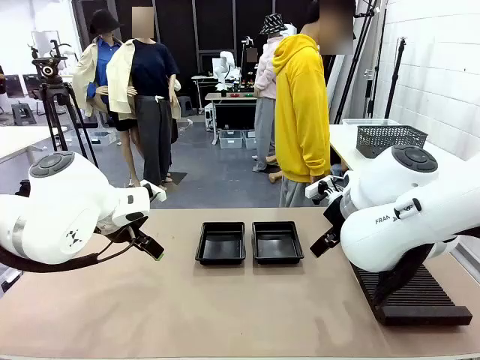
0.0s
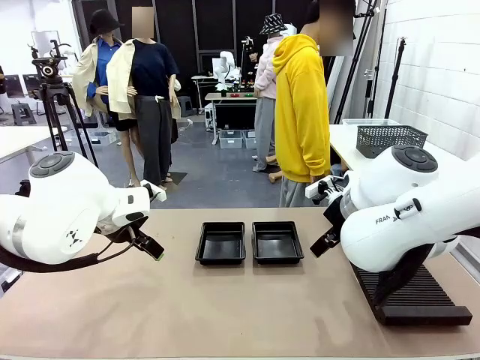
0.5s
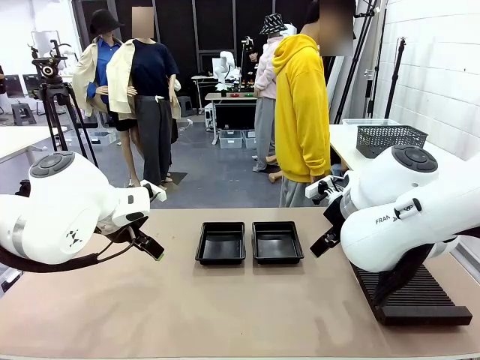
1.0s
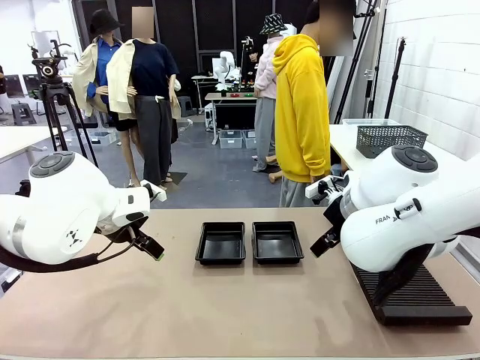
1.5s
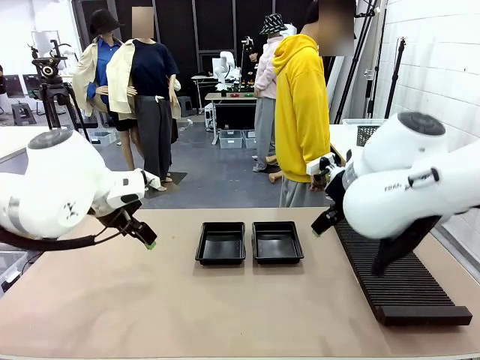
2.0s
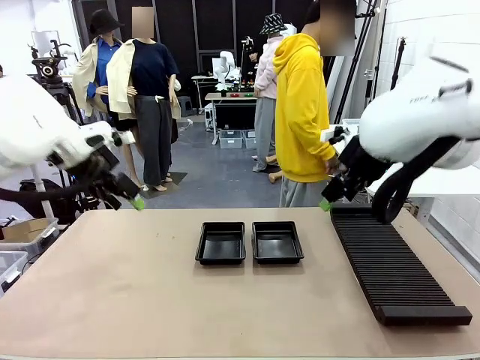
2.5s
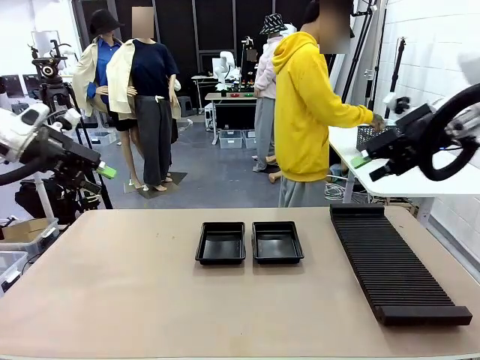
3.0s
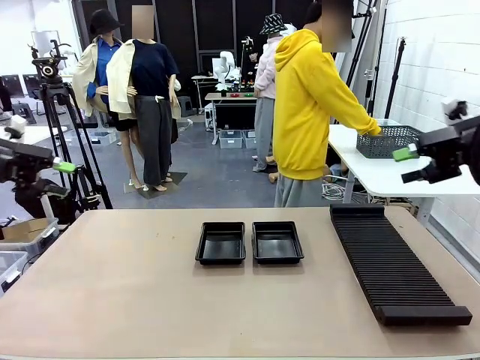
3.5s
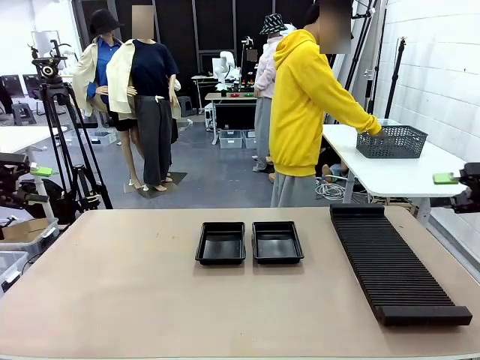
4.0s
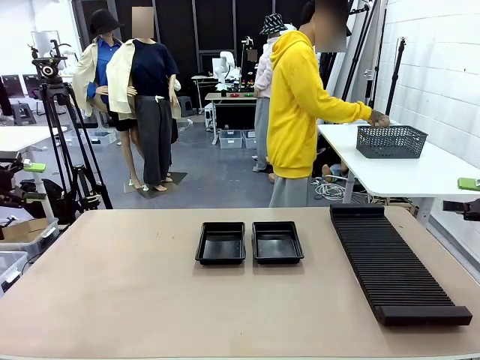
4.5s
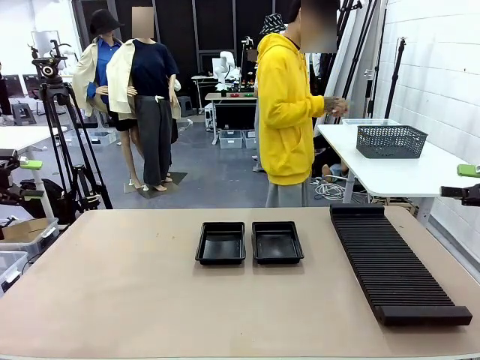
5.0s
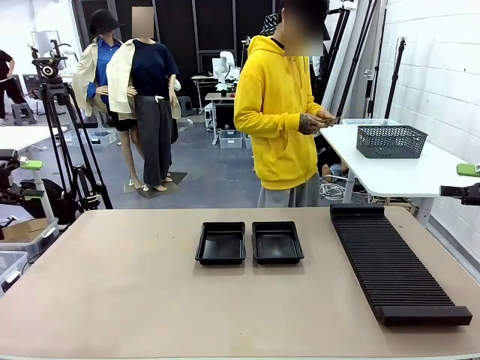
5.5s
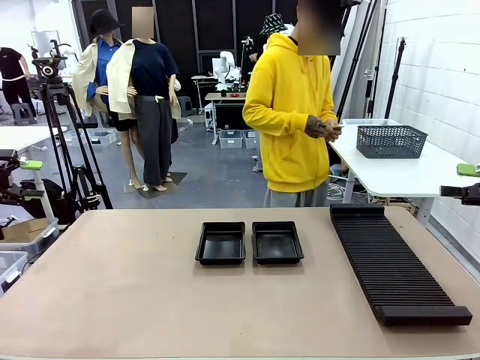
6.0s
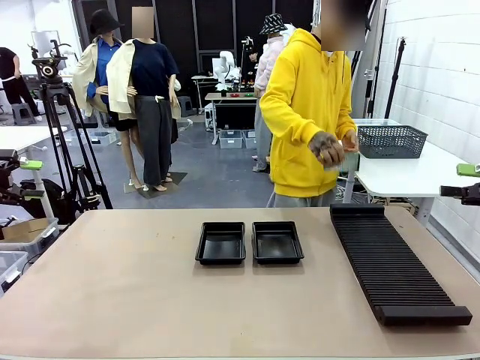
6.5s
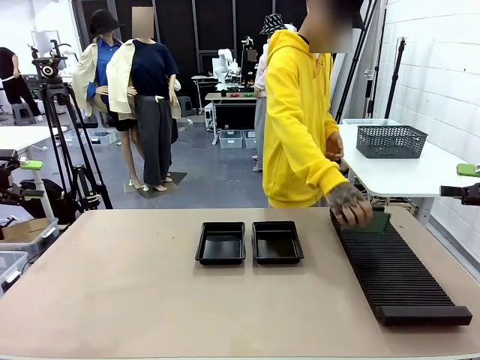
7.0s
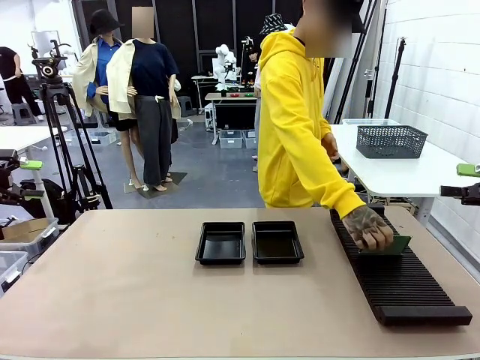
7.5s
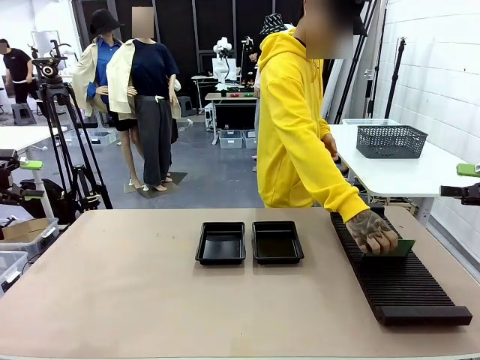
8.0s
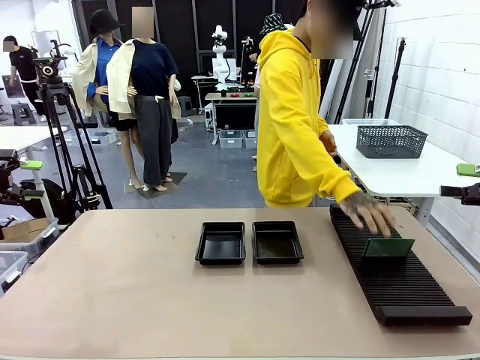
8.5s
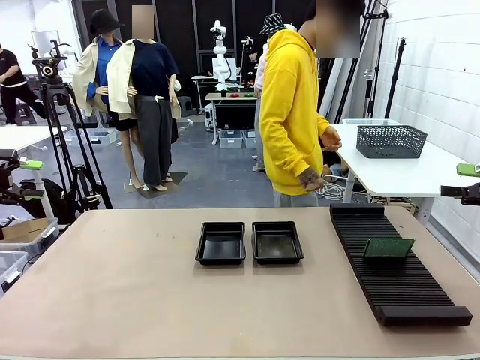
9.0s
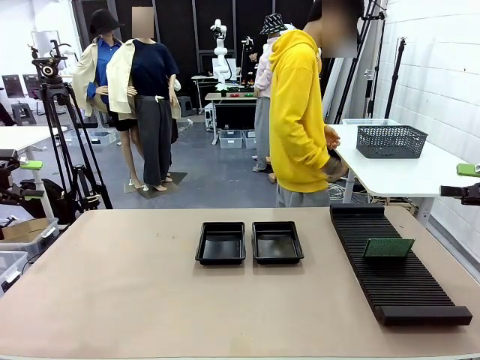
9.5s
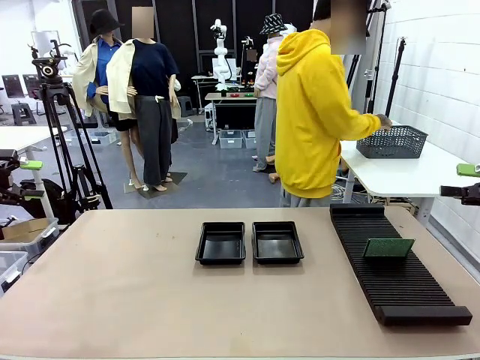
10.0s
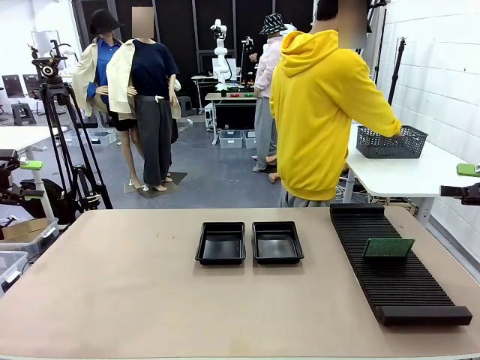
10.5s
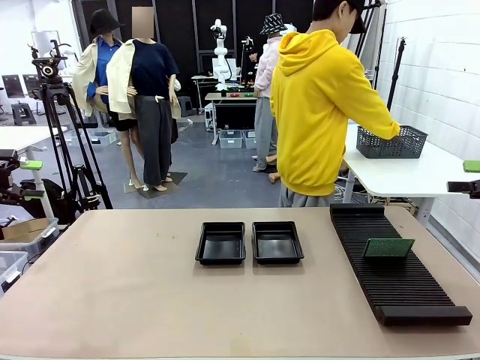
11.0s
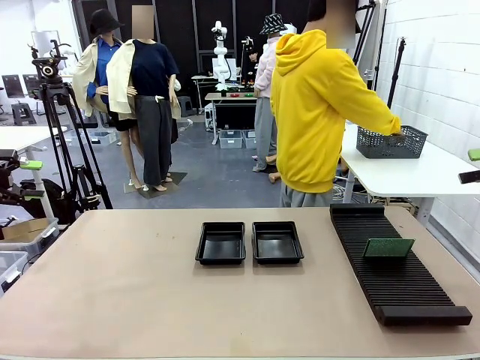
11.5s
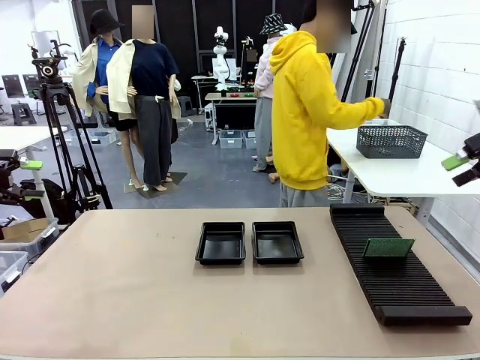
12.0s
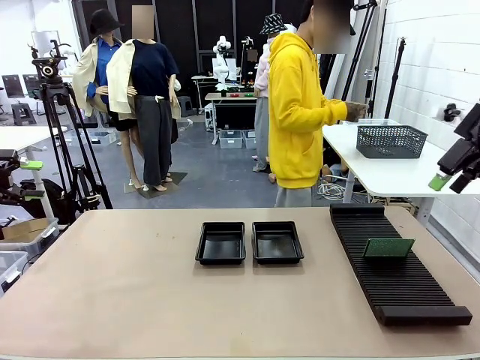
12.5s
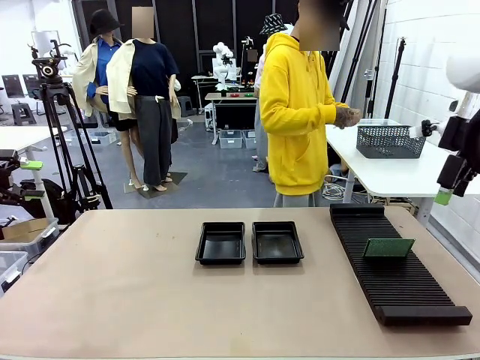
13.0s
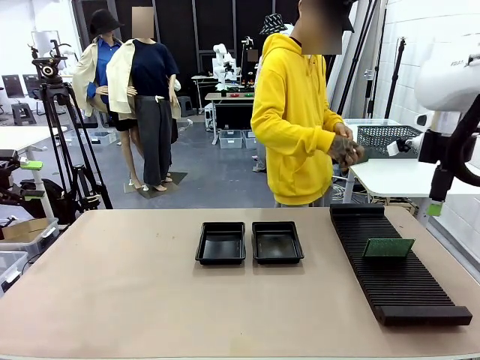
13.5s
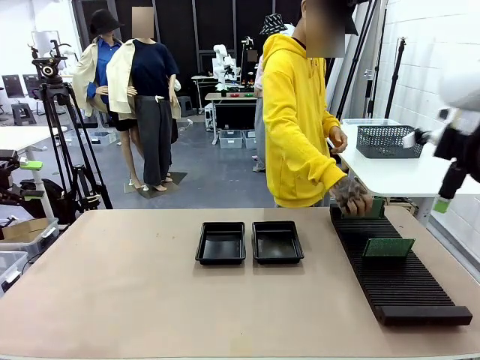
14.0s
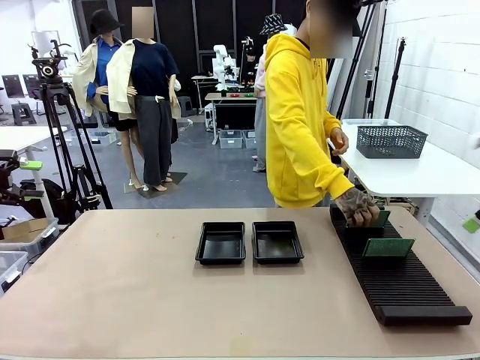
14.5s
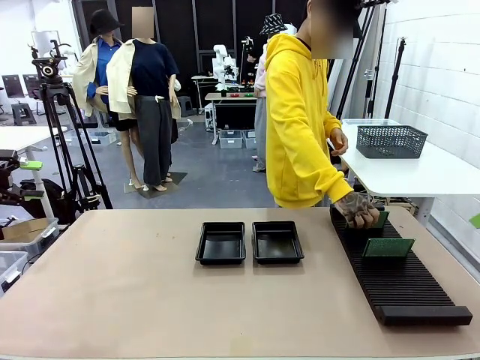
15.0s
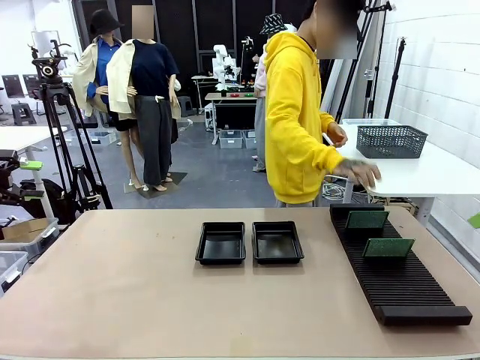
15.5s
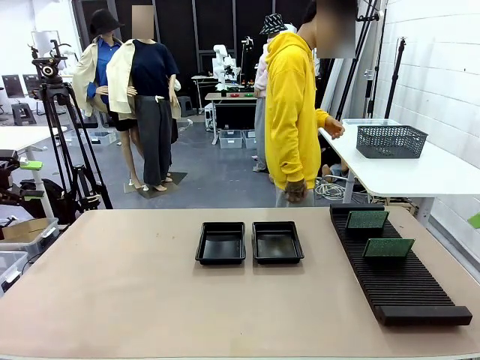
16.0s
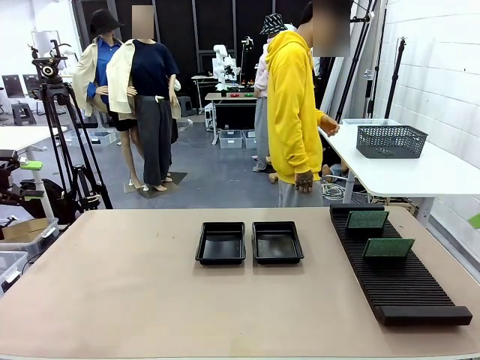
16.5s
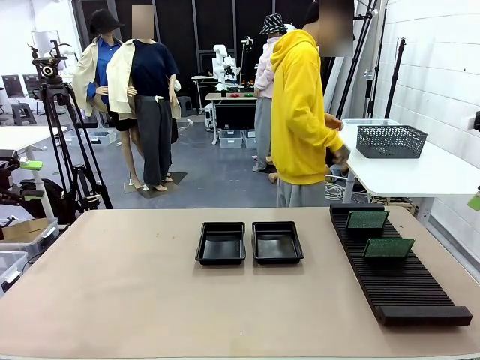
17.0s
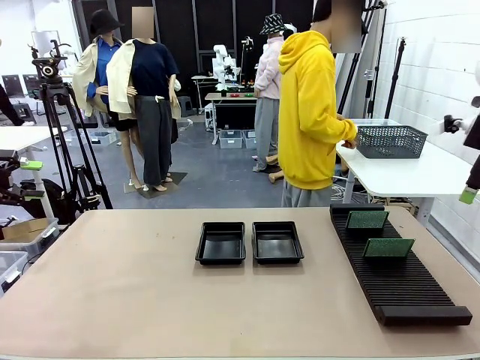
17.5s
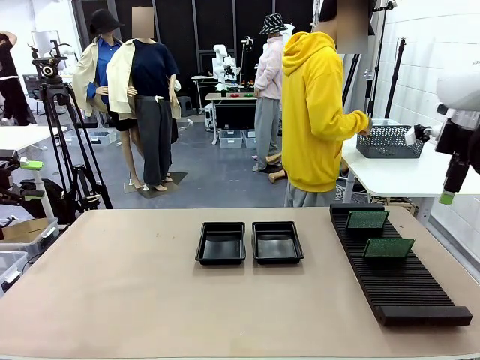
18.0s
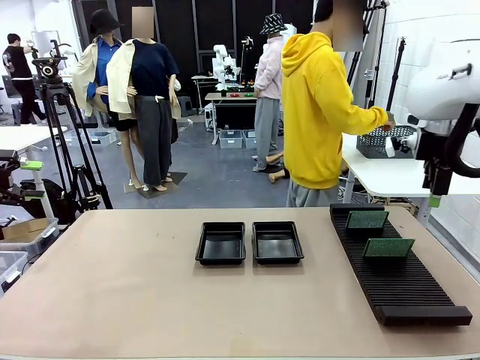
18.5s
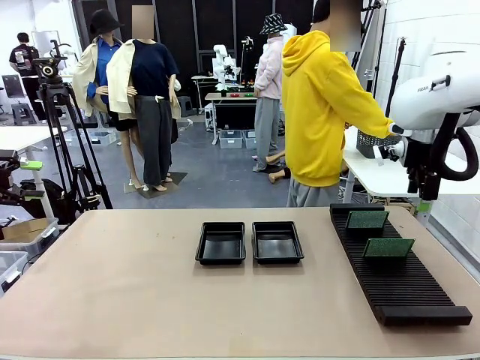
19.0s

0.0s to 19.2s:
Task: Inspect and transfer BCBs to ESD trays.
Robot: Pick up the Blank PCB from the PCB Rack and place it in the left ESD tray.

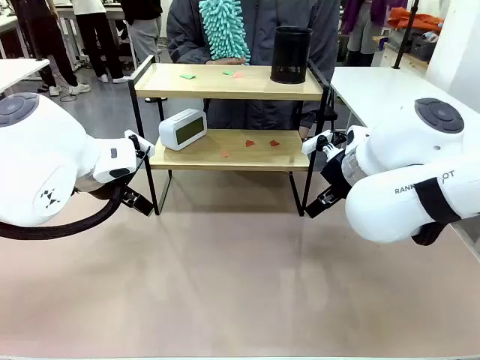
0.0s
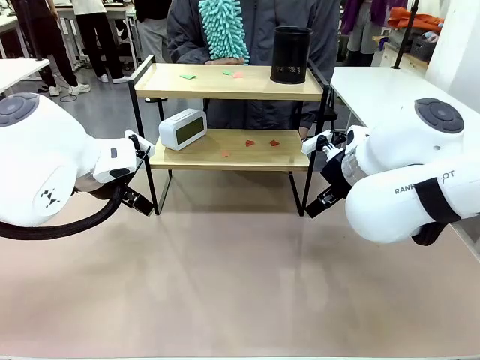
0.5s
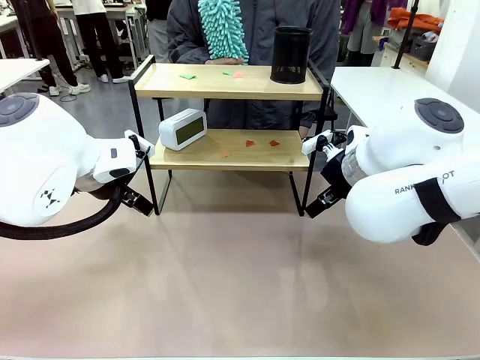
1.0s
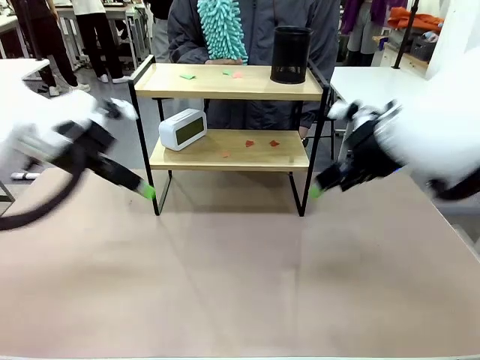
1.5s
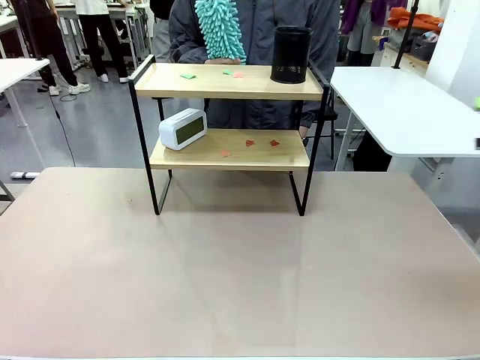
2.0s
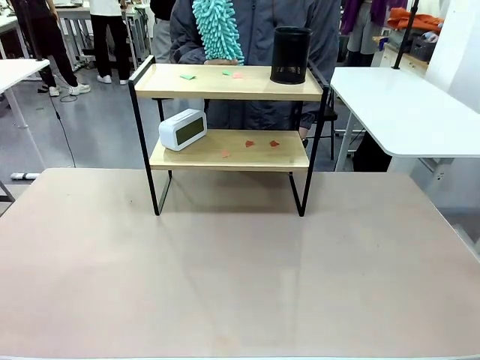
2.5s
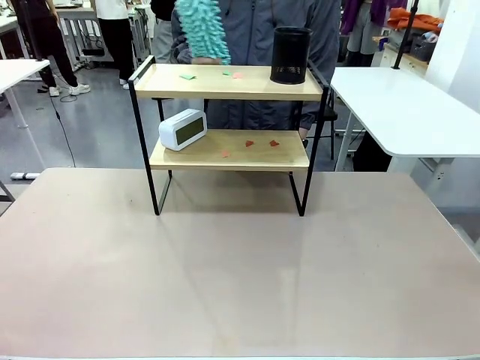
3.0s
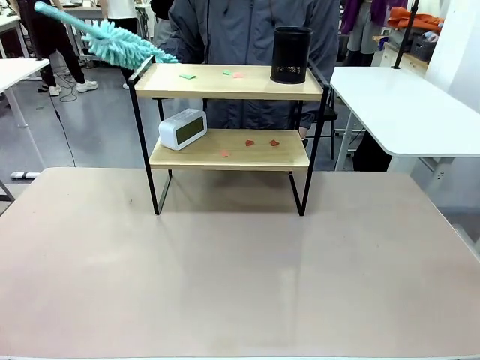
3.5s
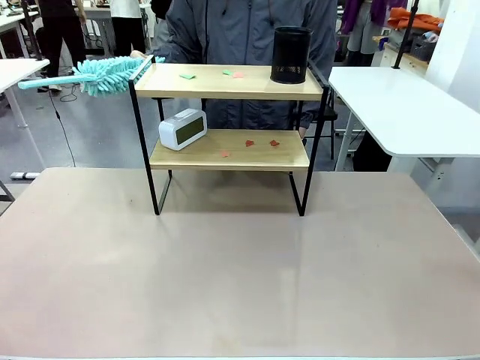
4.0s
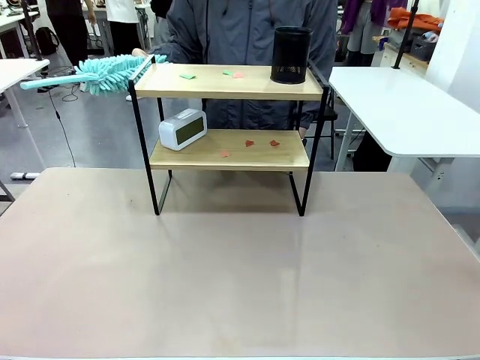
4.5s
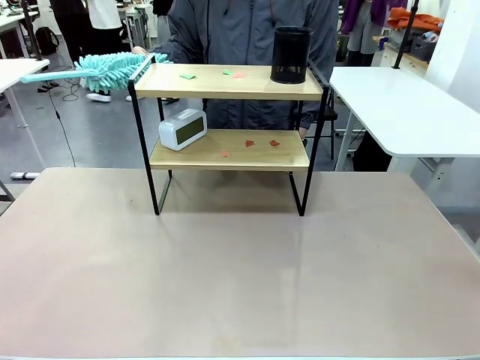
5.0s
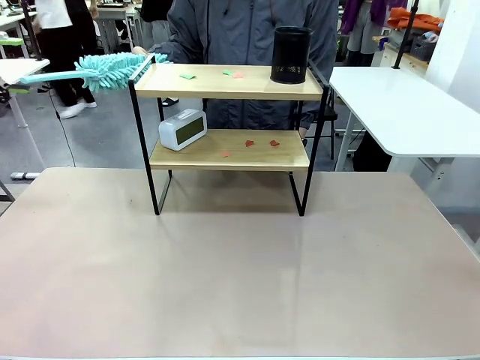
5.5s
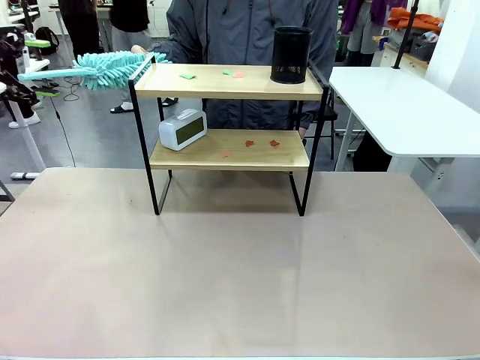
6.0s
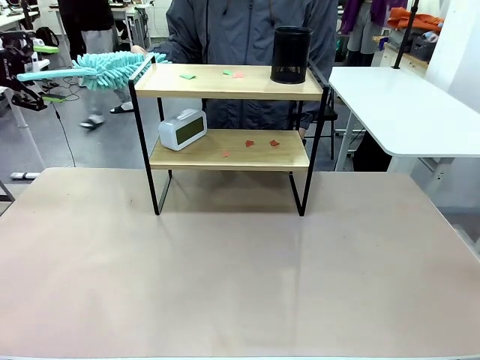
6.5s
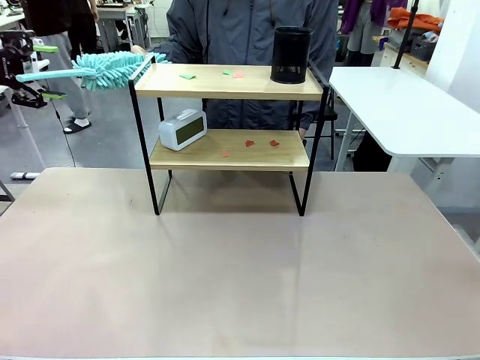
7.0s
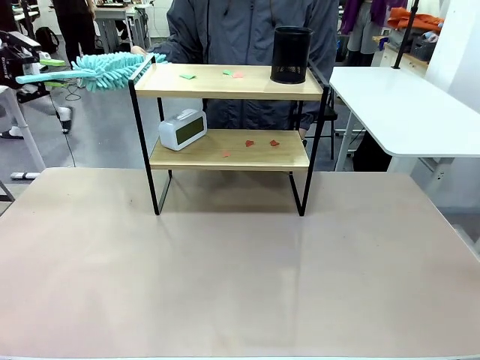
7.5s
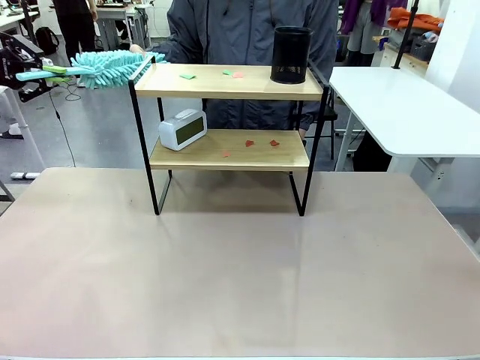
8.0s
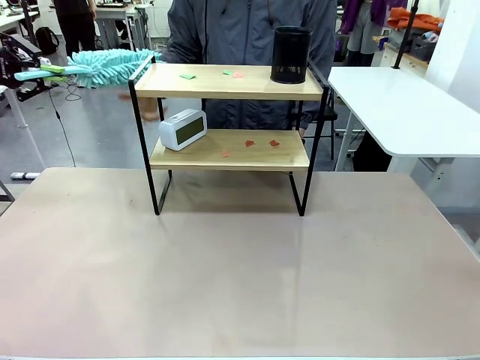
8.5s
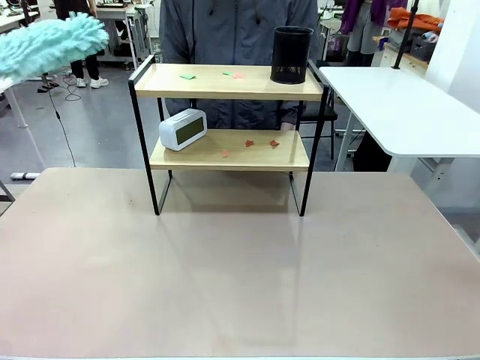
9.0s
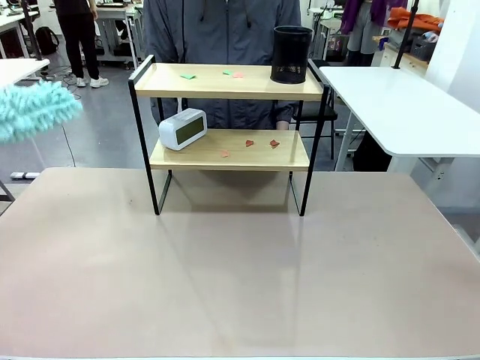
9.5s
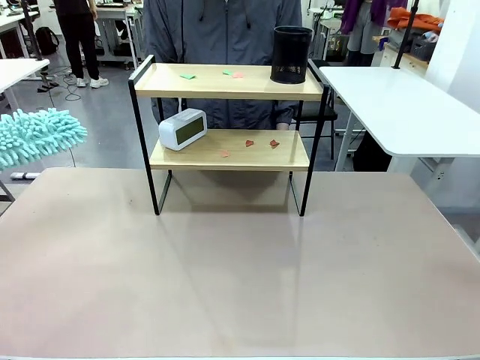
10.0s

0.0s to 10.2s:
Task: Clean the shelf.
Robot: Pick up the Duster from the human.
Person: Hand the Duster to the robot.
